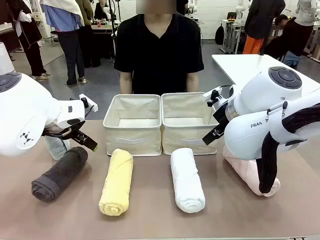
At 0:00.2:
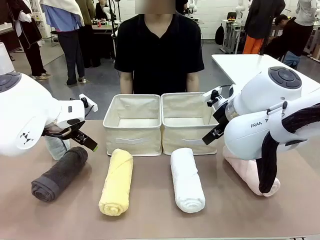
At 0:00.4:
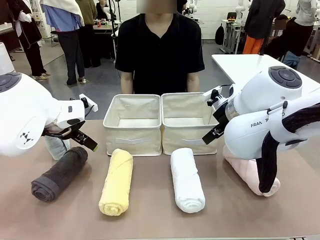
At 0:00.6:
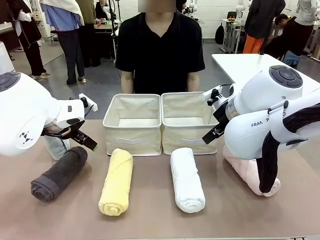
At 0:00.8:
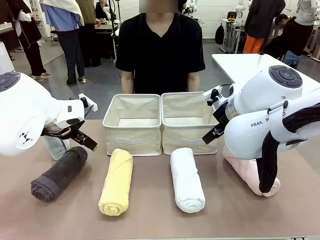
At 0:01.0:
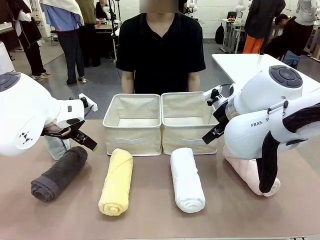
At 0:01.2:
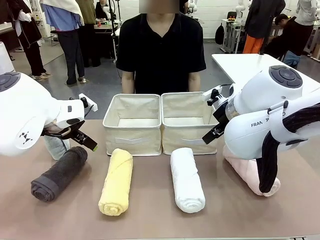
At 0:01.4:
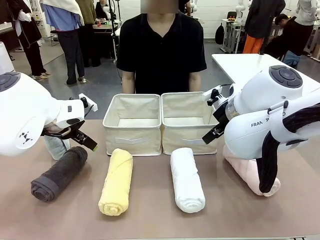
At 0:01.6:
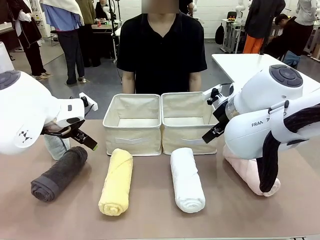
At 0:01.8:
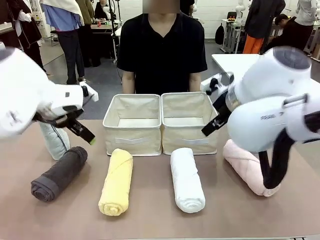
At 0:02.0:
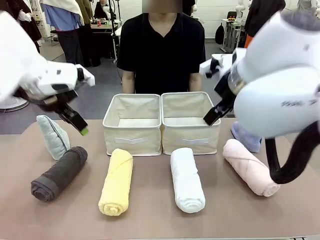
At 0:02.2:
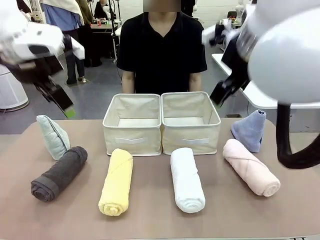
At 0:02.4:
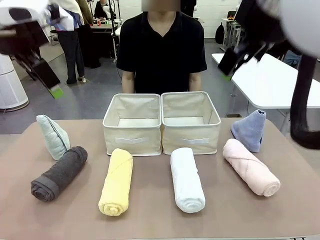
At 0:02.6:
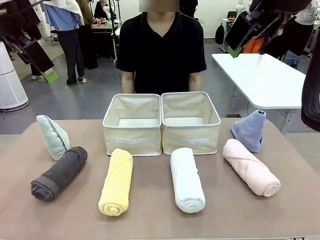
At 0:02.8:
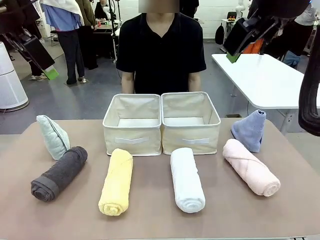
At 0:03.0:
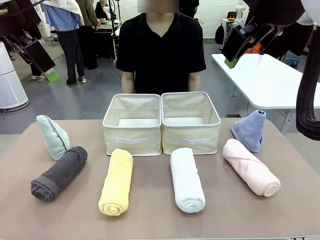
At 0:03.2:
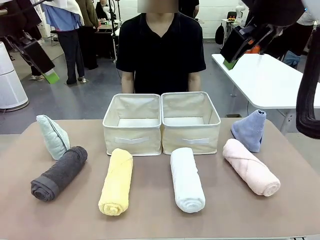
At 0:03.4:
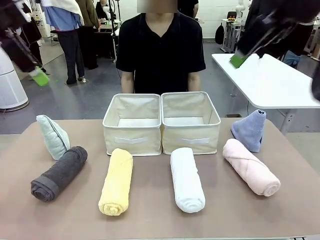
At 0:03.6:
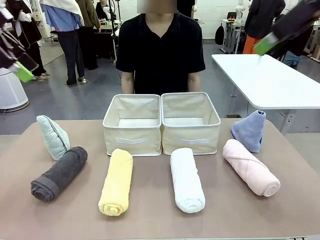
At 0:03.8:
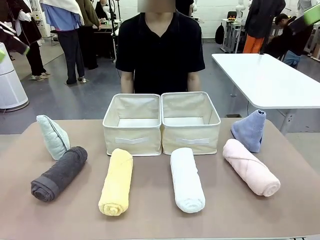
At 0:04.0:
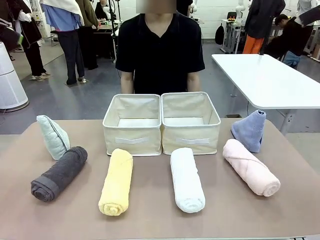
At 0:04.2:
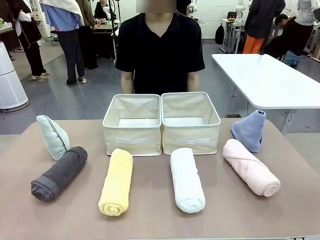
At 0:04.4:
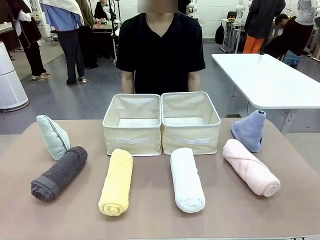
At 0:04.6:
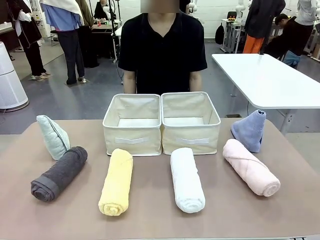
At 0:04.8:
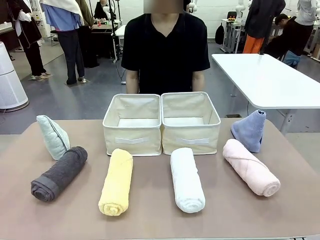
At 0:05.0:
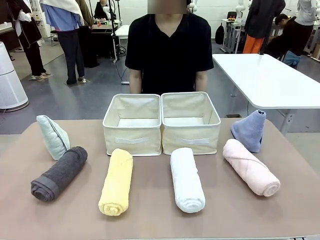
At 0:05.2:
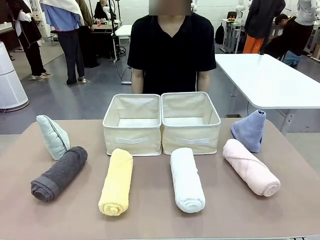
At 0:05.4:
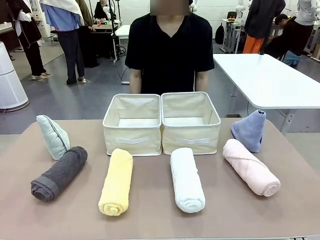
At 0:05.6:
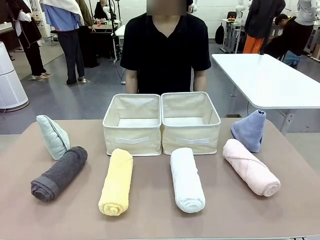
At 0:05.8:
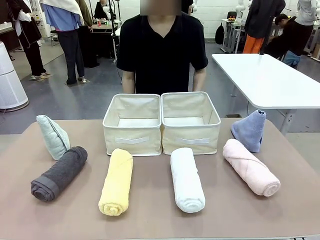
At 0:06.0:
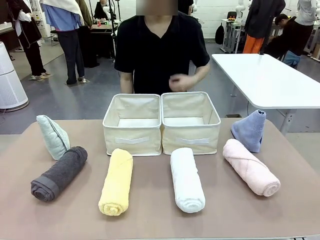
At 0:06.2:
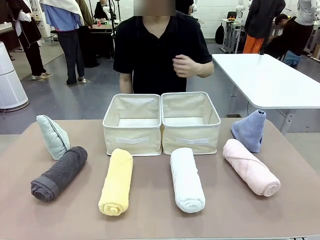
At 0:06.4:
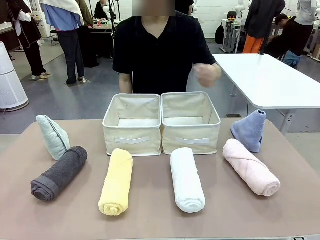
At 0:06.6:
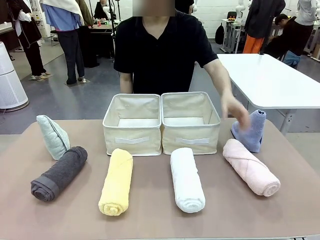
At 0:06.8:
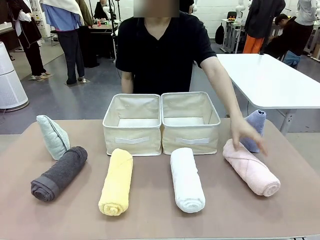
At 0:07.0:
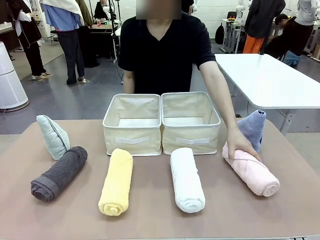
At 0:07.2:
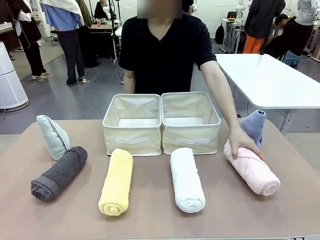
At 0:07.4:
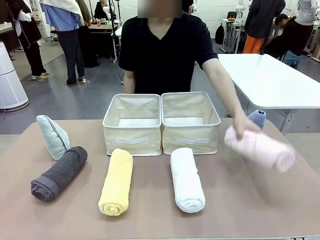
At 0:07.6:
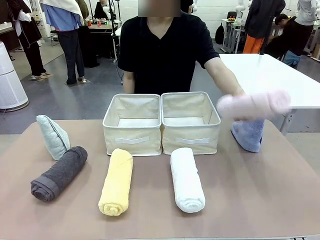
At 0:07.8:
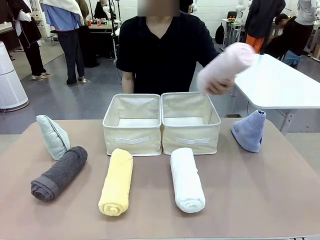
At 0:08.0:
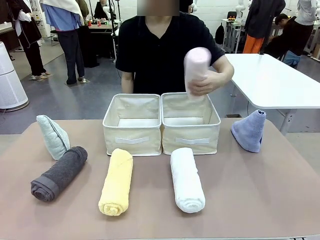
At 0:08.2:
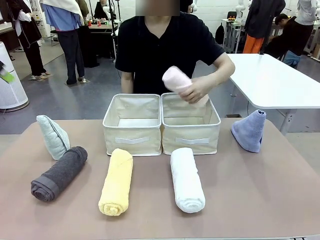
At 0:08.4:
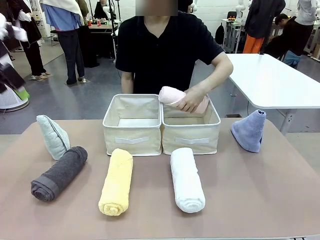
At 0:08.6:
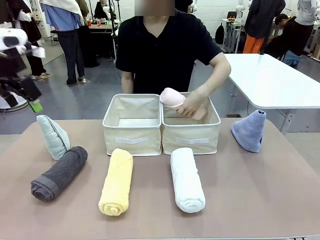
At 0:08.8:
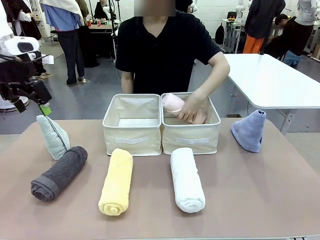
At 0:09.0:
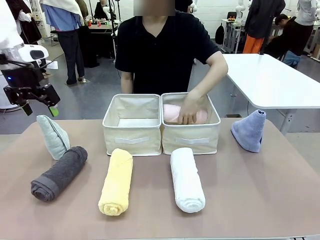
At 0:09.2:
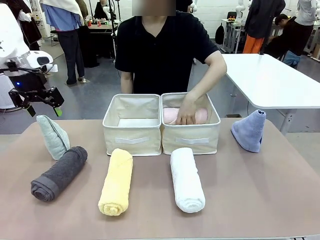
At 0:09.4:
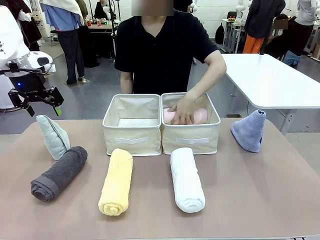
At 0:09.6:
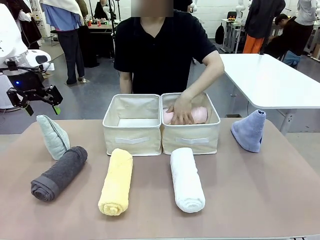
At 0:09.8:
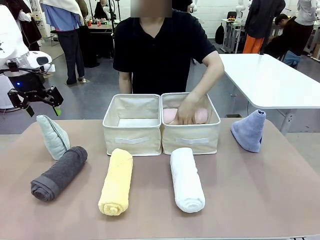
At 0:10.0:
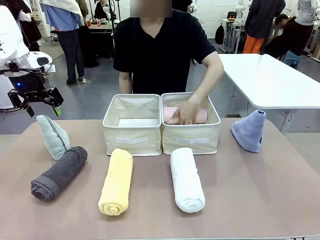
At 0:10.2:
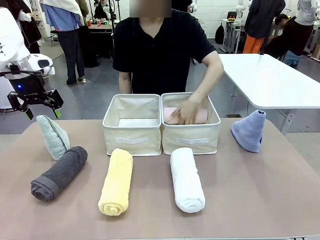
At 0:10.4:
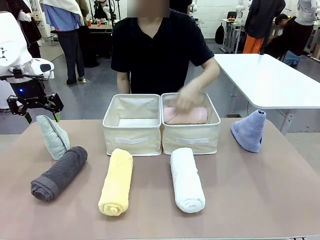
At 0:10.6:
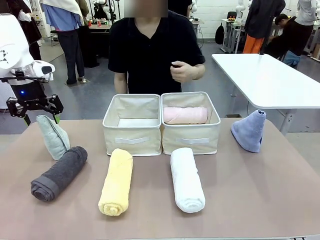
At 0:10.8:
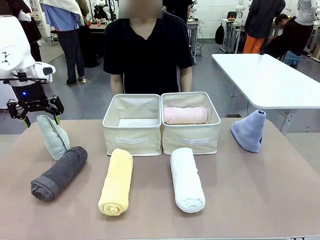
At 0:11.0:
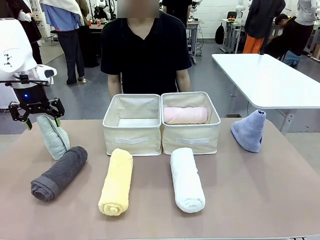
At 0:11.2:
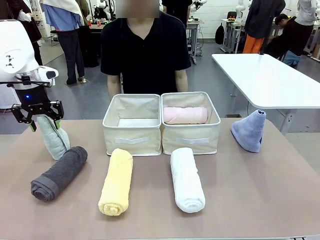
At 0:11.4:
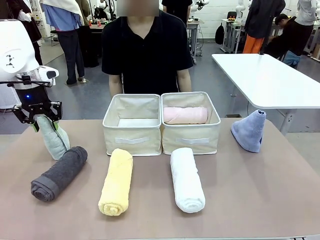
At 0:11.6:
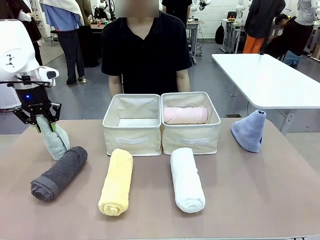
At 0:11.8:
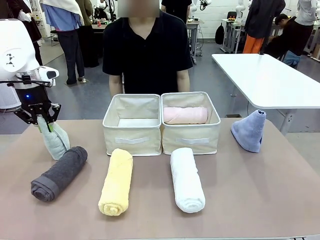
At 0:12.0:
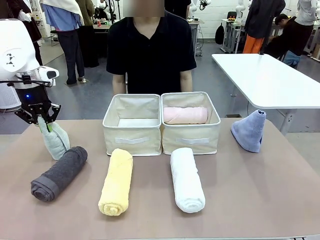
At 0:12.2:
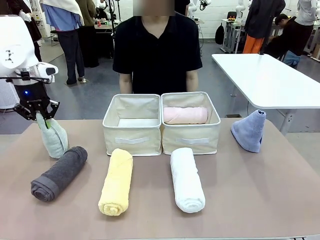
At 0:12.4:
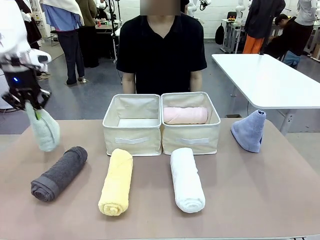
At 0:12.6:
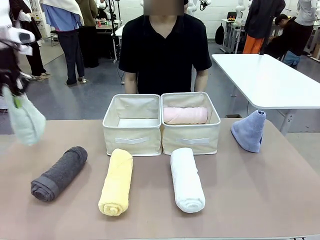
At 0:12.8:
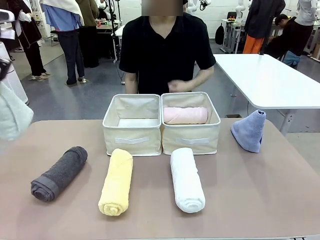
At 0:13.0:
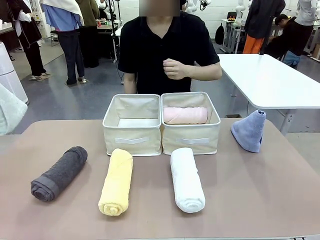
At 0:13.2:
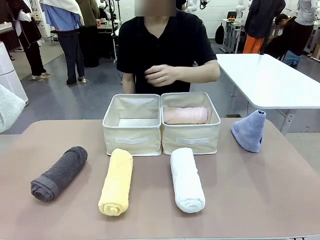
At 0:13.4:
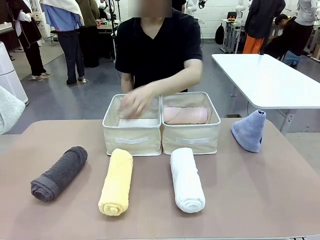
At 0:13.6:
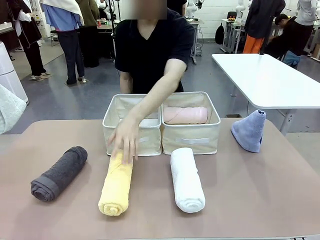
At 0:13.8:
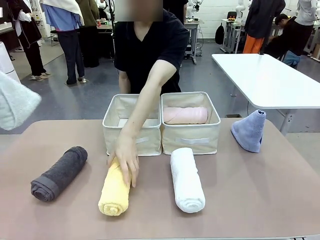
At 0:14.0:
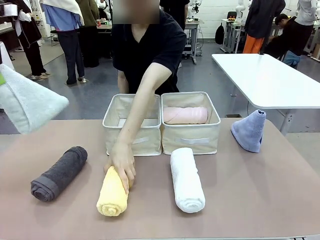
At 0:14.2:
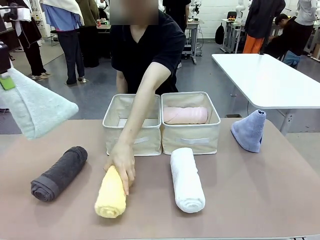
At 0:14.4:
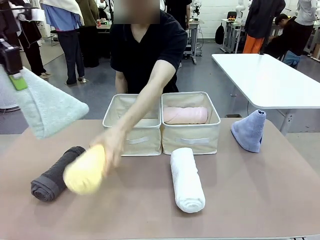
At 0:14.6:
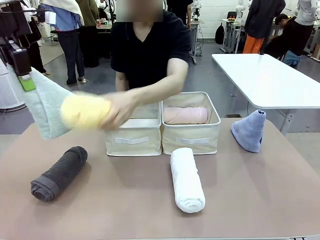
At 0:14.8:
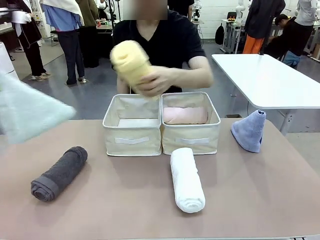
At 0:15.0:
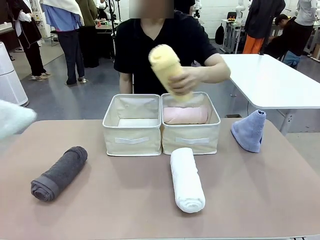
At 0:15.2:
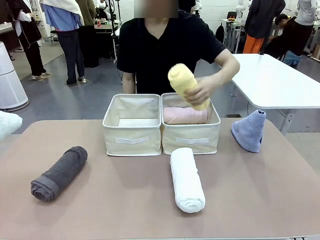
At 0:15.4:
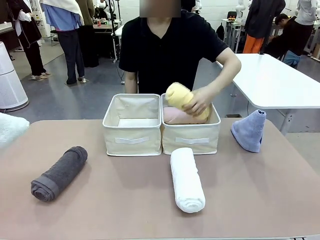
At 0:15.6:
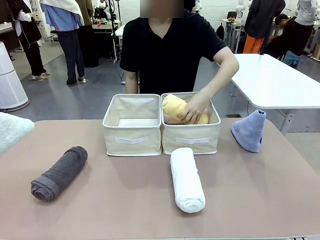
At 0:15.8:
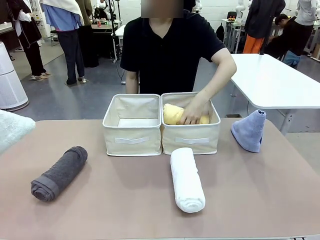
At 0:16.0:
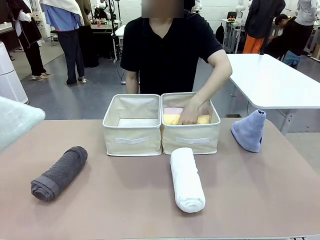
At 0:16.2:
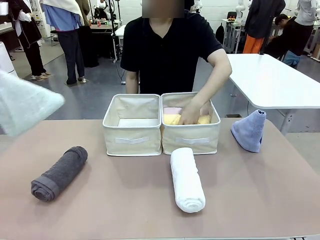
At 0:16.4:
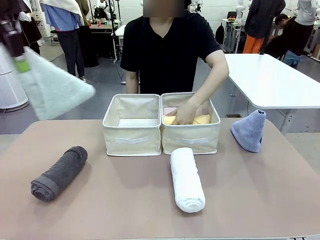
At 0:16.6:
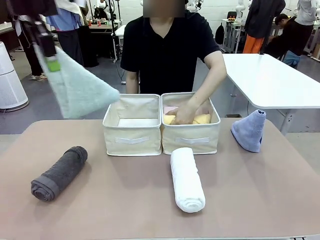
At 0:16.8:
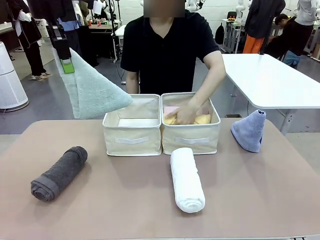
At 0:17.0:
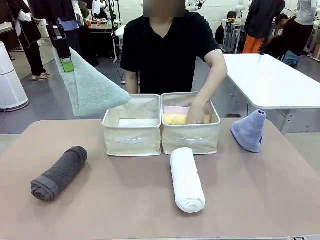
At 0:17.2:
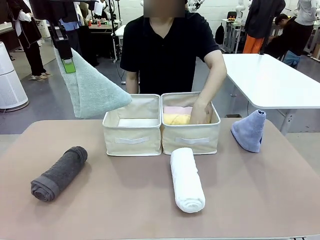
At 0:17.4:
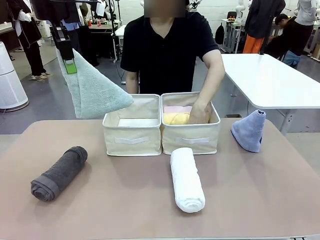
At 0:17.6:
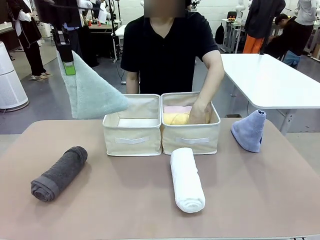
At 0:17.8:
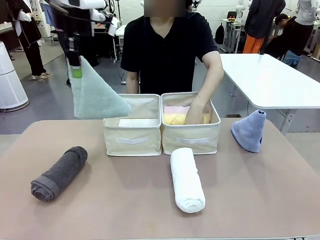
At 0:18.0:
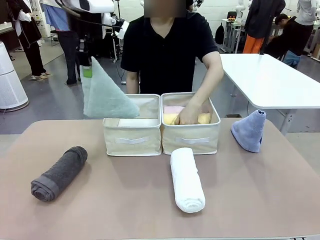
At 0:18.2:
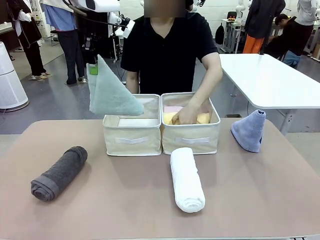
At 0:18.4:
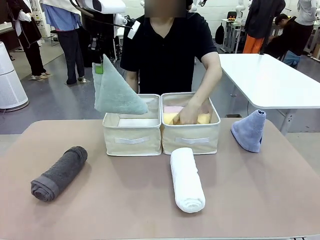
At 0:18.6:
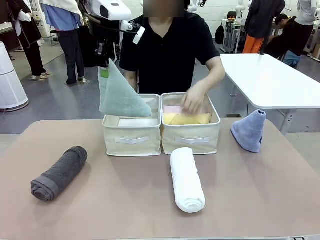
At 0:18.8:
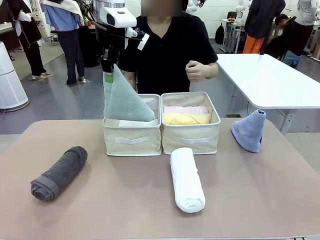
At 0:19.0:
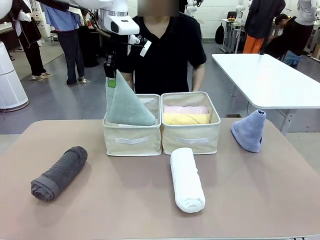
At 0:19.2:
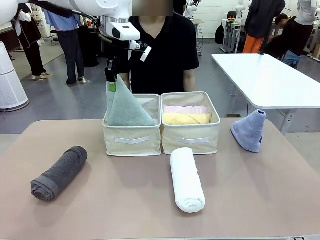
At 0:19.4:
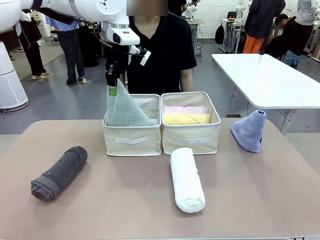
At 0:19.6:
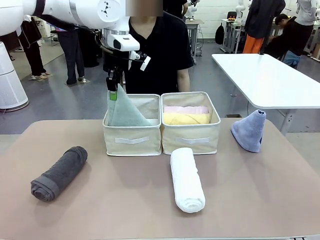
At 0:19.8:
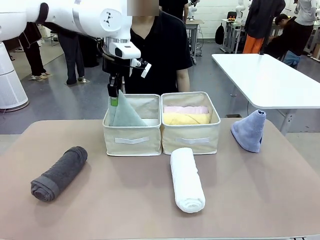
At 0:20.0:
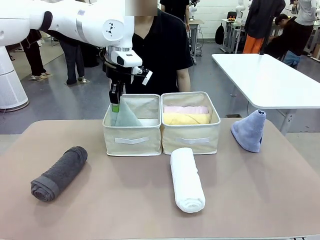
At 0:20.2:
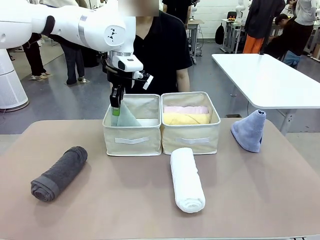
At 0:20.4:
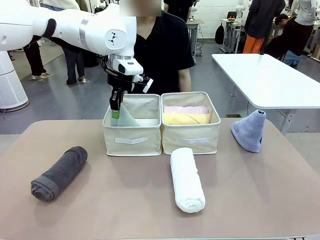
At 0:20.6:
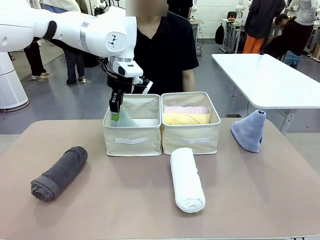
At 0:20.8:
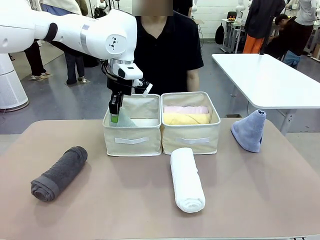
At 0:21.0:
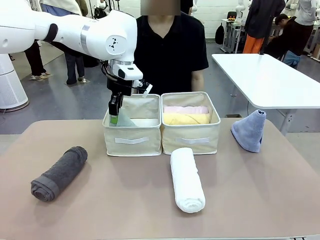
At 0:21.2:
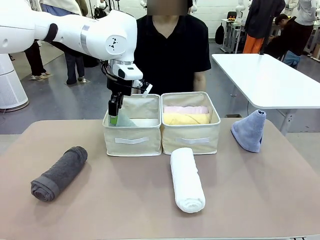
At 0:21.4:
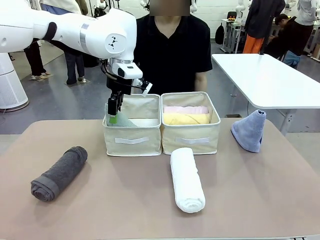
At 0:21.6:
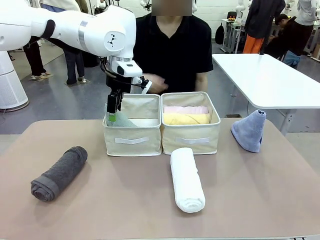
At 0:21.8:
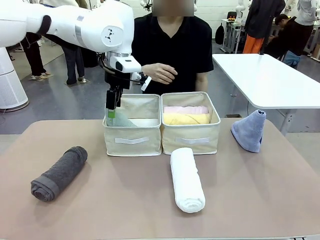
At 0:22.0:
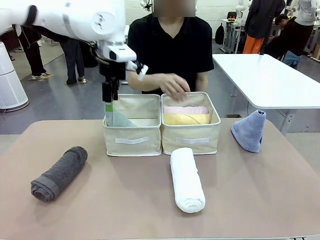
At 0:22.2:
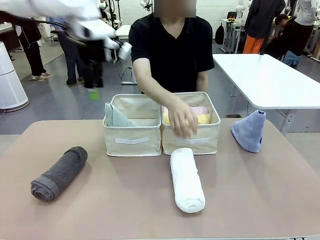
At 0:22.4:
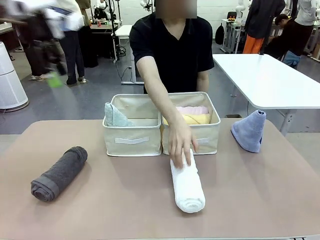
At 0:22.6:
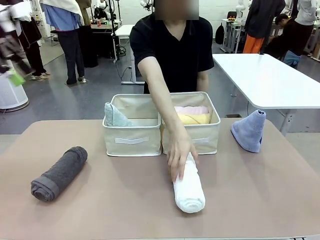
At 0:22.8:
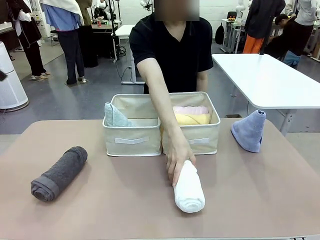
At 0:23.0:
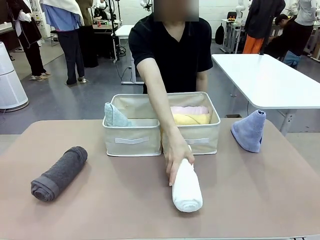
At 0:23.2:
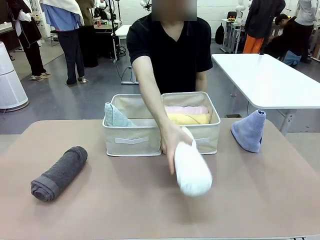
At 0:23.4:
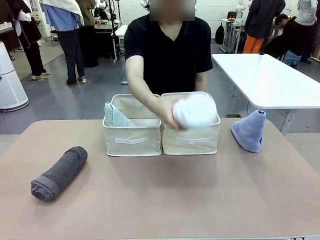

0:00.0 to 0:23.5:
Task: Sort the towels based on their folding style.
Robot: Pick up one triangle-folded towel and place it in the left Fabric basket.
Person: Pick up one hotel-style rolled towel and place it in the left fabric basket.
